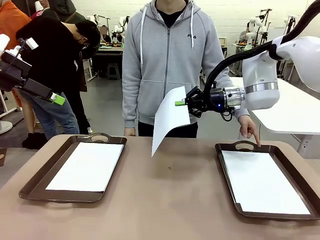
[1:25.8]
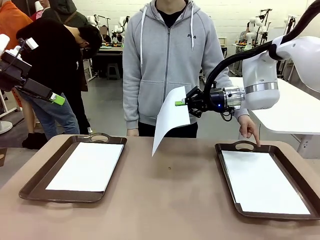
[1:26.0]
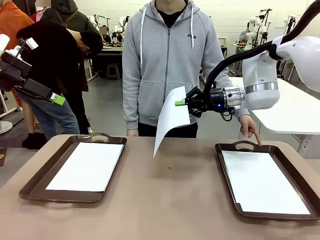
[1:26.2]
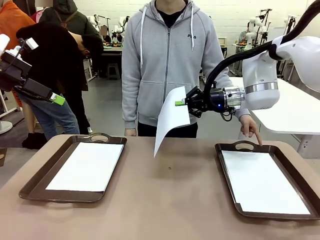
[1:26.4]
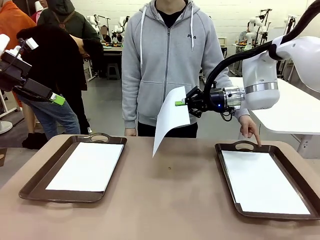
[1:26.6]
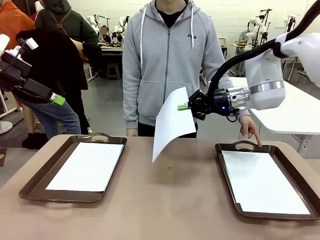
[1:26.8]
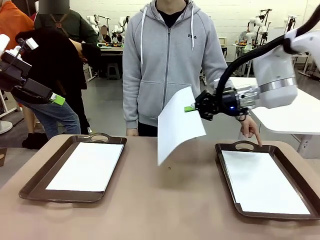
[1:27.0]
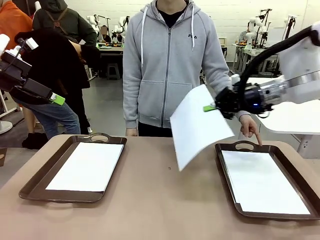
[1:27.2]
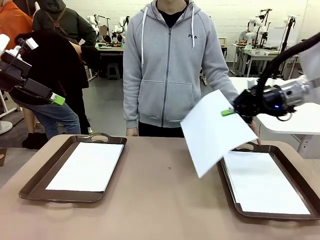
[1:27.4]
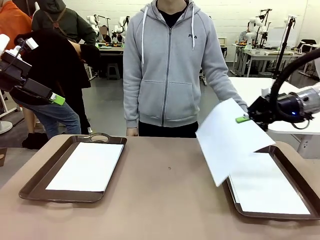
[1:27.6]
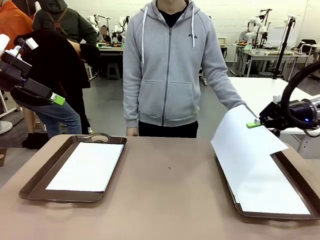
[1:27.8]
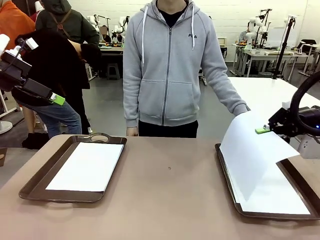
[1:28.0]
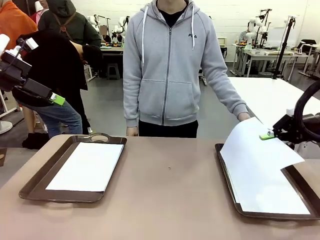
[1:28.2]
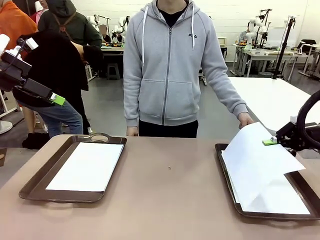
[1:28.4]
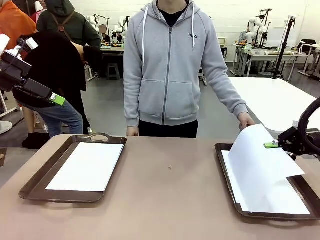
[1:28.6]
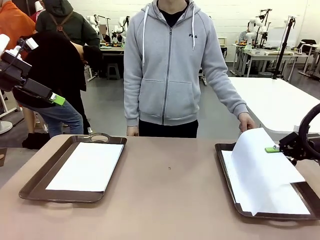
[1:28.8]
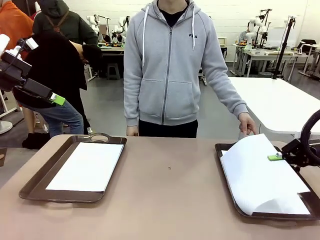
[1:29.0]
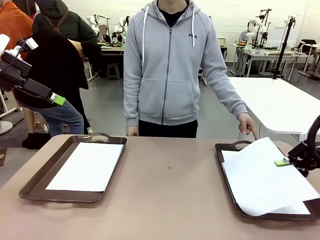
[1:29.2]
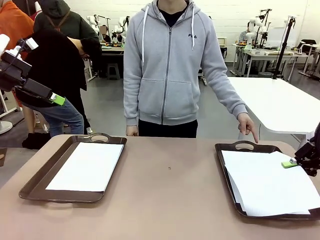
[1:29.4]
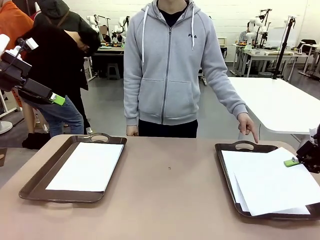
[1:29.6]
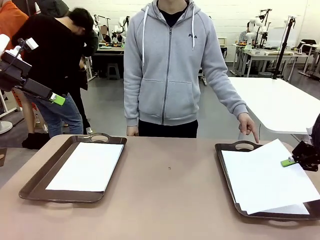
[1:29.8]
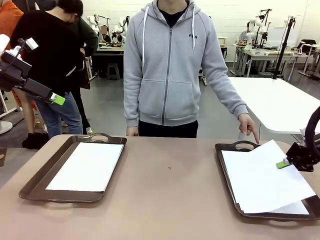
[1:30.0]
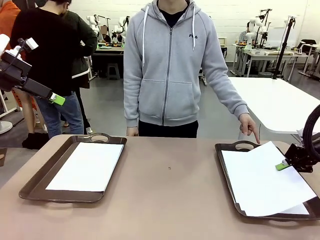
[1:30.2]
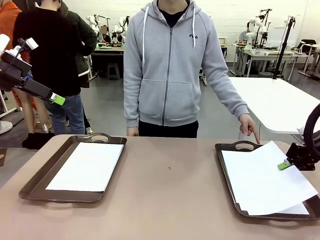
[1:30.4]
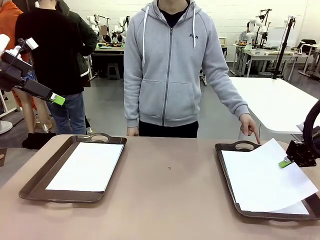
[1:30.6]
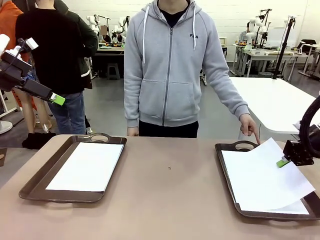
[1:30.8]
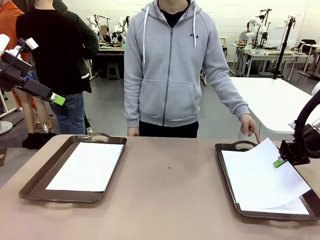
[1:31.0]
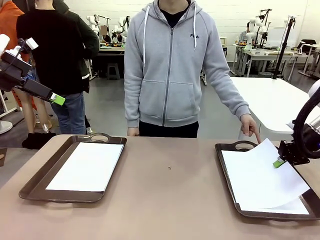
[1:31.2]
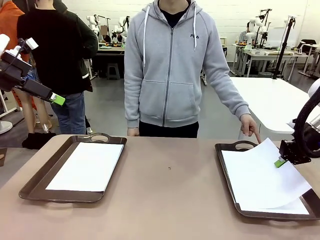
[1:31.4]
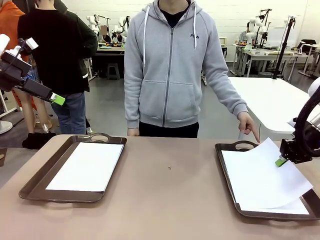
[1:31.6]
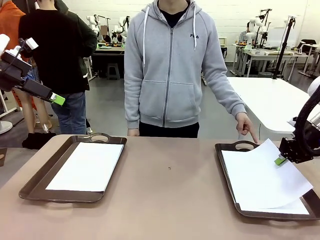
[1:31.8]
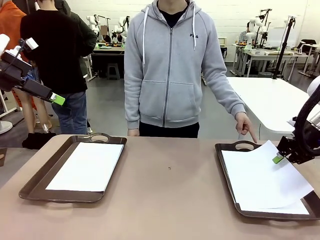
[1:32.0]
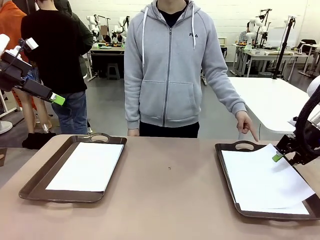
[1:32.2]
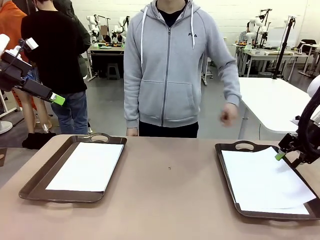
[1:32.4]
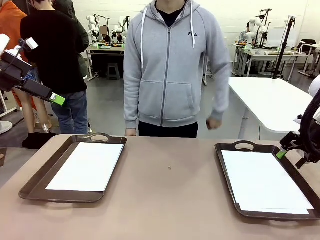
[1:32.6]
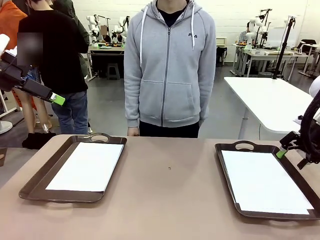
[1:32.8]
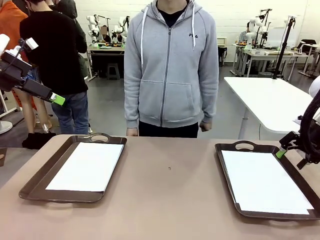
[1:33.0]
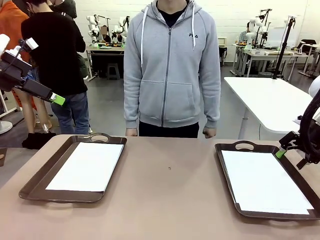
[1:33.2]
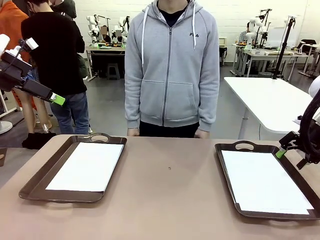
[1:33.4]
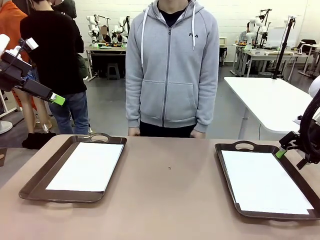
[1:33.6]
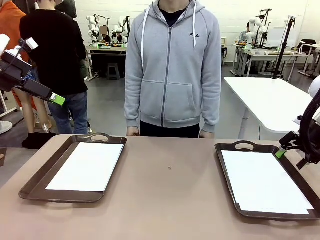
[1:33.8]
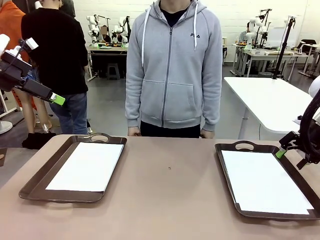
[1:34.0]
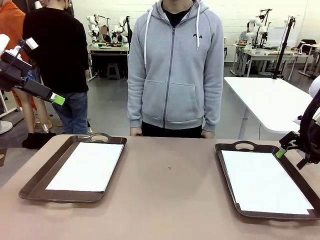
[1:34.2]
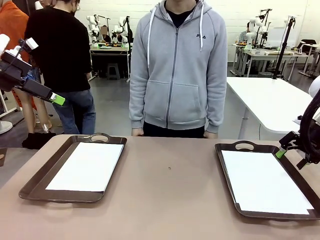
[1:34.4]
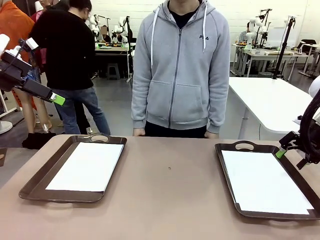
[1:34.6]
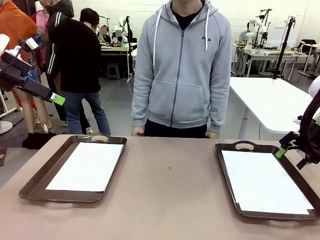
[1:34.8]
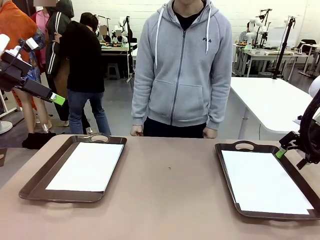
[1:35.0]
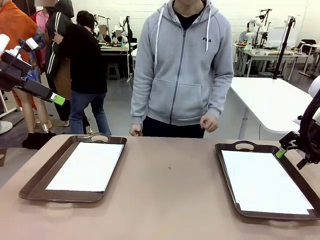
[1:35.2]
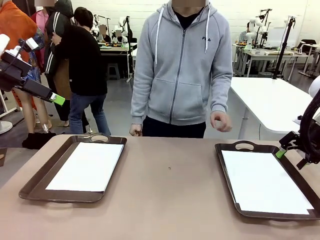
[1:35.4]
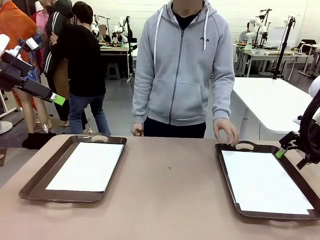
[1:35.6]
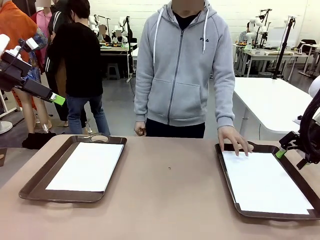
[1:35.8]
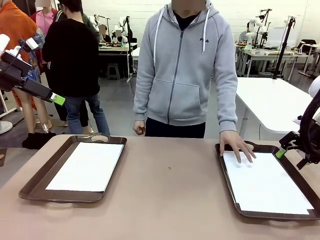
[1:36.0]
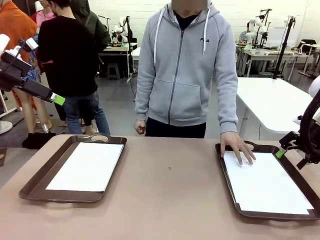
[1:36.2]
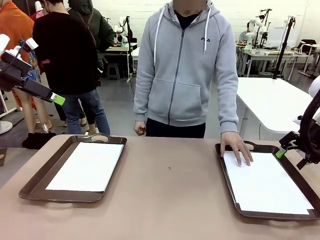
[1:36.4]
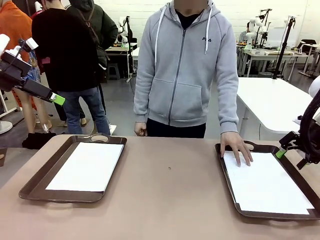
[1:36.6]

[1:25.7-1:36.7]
Task: Sort the A4 documents.
Robot: Place the A4 Paper in the designated Handle tray.
Person: Point the randomly selected tray with the other hand.

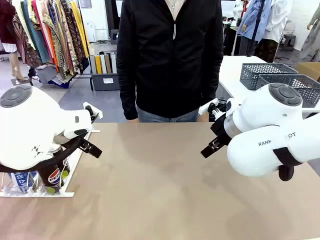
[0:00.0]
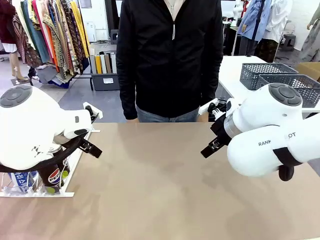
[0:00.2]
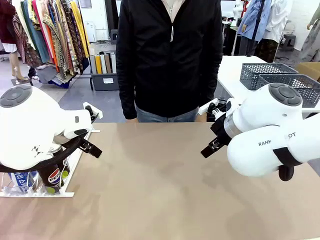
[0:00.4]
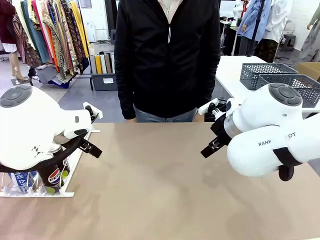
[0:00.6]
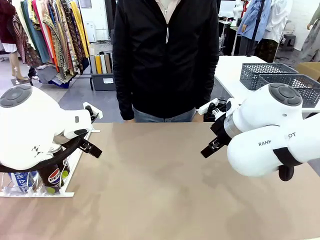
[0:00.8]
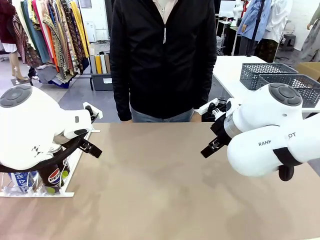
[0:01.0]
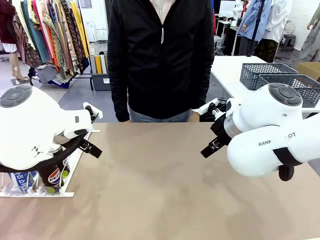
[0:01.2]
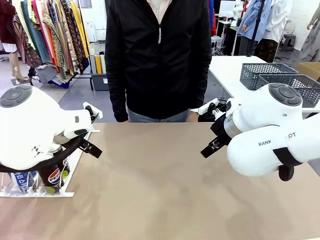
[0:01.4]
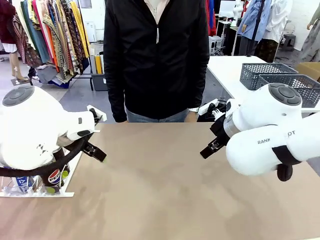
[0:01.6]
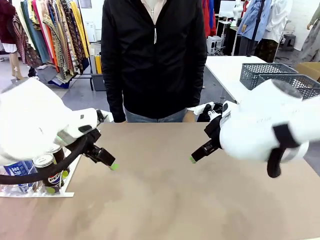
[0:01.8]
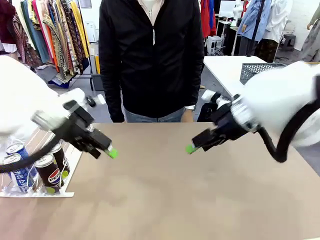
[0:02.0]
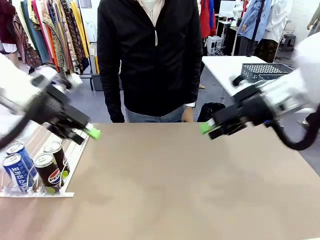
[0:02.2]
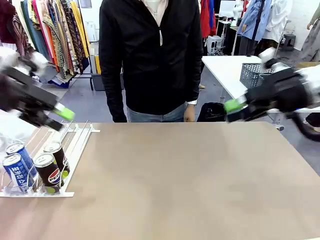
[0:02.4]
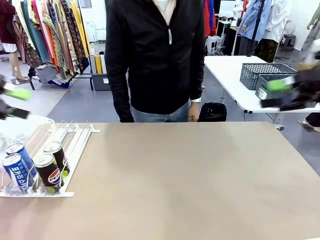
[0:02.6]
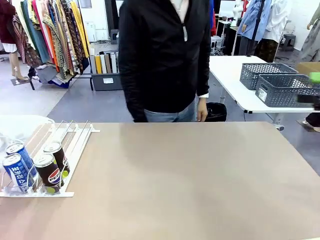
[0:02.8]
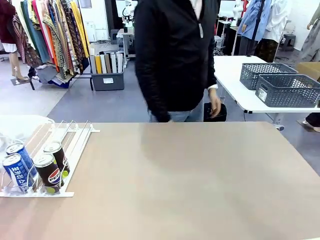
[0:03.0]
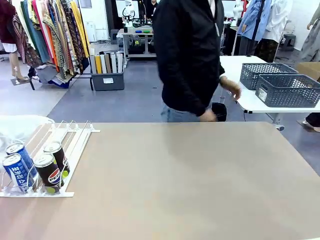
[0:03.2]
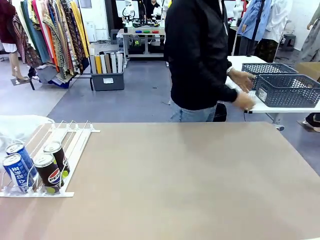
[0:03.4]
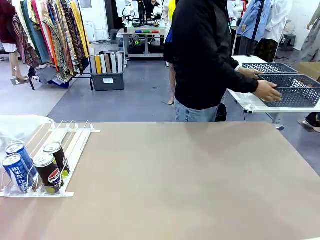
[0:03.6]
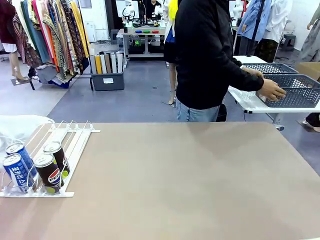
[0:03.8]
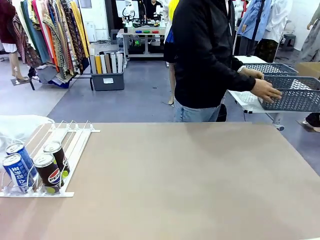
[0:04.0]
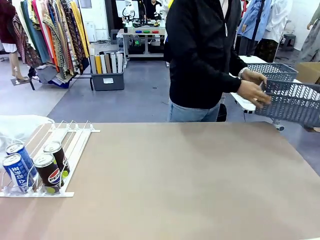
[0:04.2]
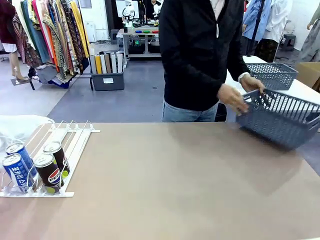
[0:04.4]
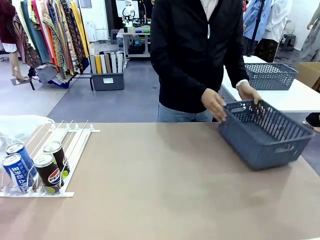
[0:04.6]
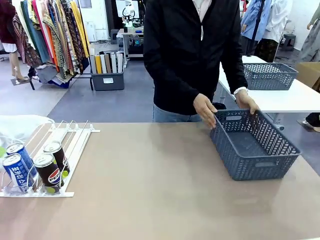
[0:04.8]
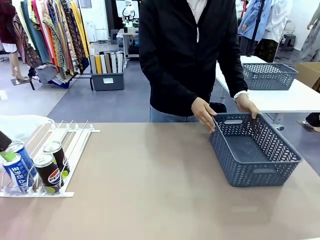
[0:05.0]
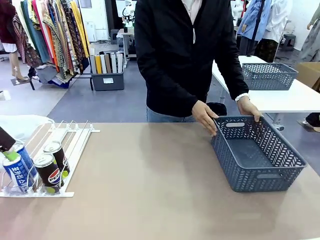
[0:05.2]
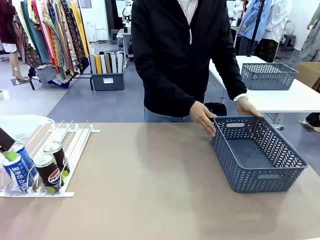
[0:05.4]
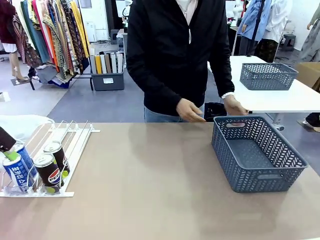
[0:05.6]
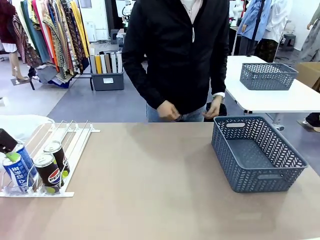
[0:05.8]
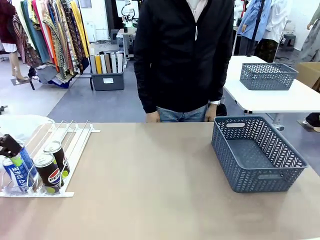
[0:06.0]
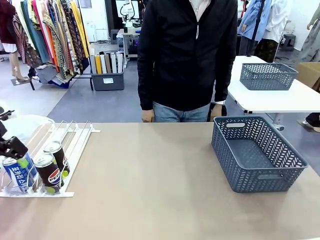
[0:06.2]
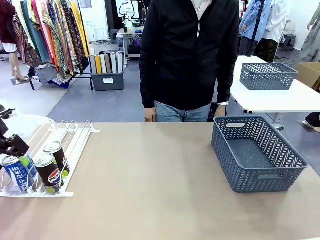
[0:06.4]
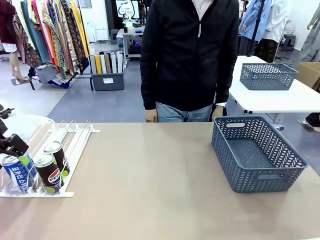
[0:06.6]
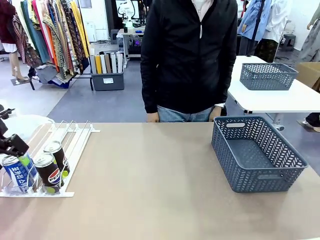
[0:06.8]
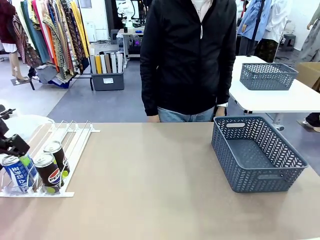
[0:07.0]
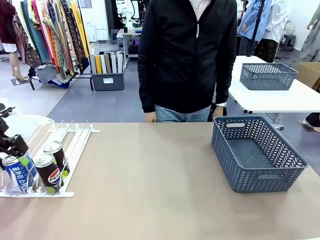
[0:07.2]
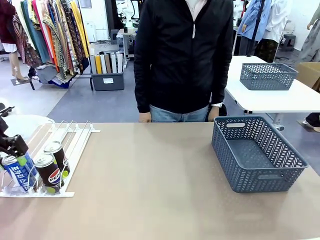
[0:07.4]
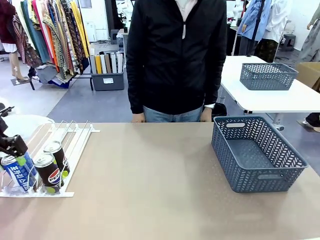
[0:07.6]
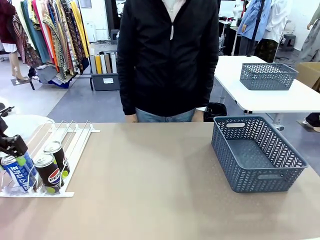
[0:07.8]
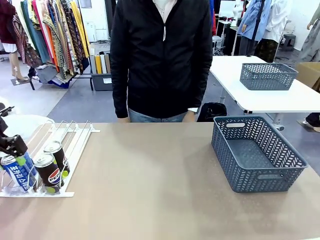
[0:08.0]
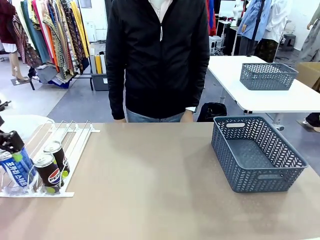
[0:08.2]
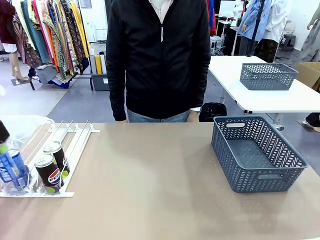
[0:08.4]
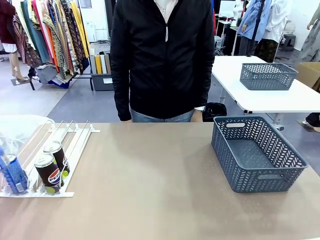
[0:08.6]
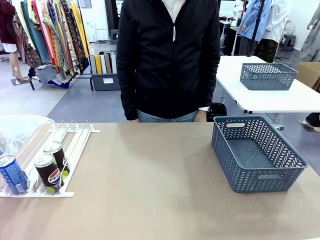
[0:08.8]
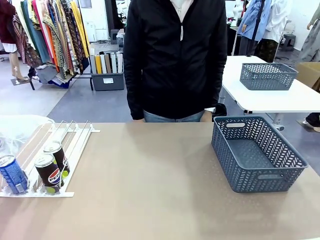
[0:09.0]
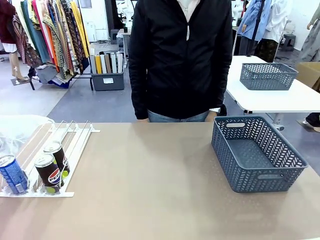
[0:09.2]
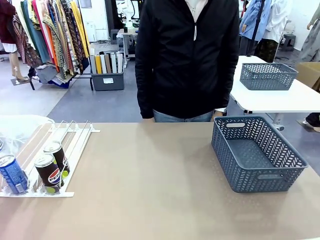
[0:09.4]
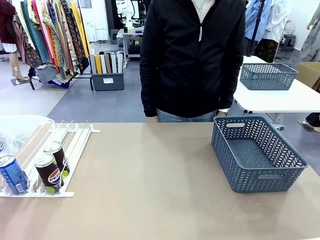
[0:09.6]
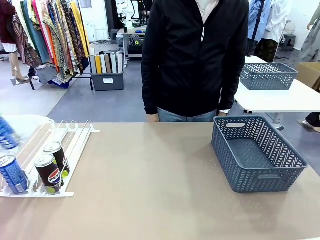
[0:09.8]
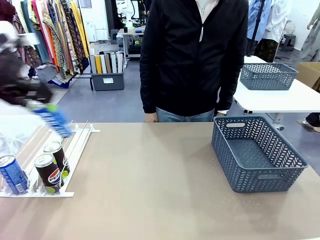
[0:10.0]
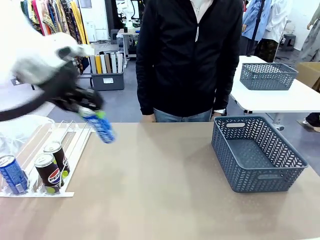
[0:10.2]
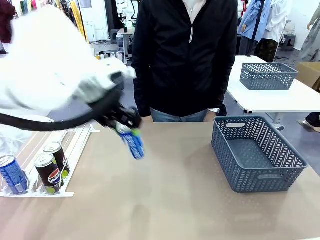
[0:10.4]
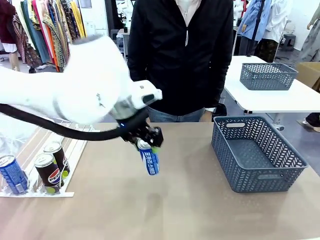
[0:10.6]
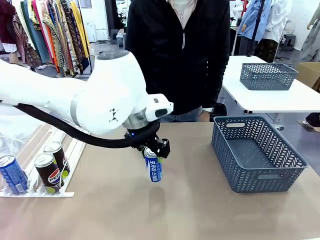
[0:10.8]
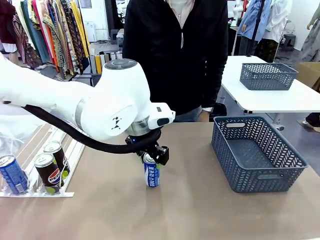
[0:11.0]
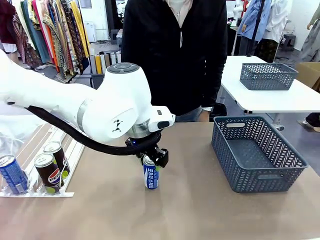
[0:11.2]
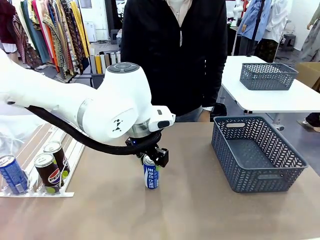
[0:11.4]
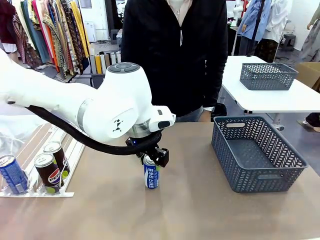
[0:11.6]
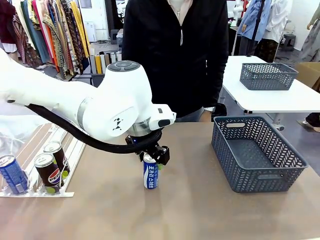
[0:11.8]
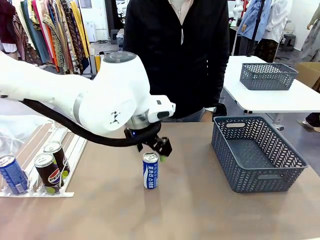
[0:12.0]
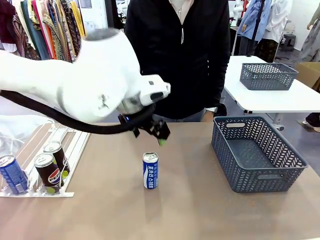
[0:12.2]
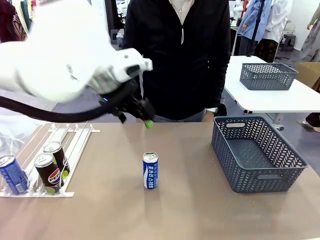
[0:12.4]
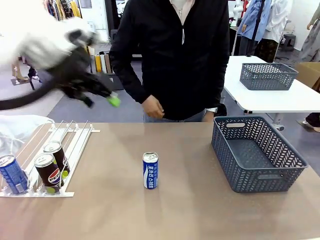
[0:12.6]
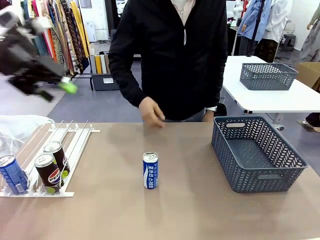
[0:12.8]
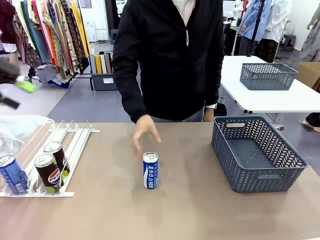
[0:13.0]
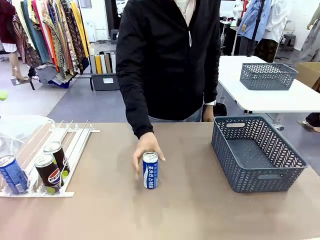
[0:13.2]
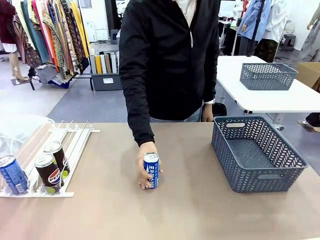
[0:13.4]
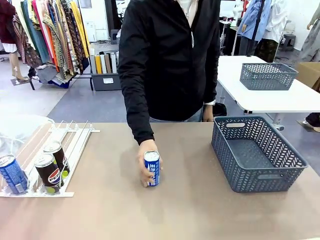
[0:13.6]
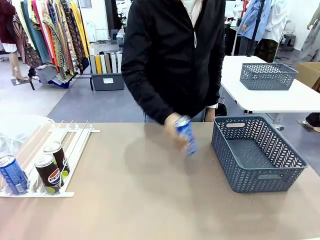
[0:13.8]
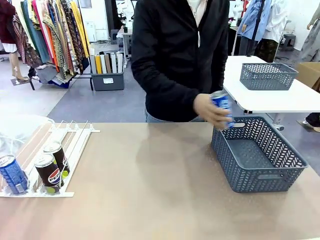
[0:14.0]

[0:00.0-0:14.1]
Task: Retrieve and store the cans from the dispenser.
Robot: Pick up one can from the Automatic Can Dispenser and place it in the middle of the table.
Person: Pick up the basket and place it on the left side of the robot table.
